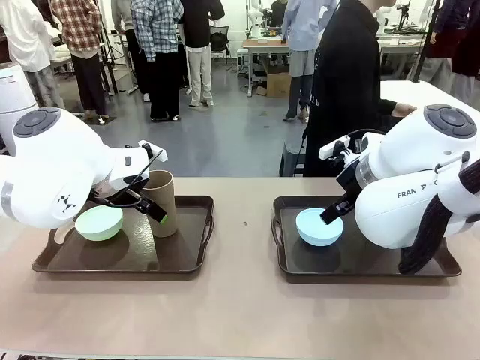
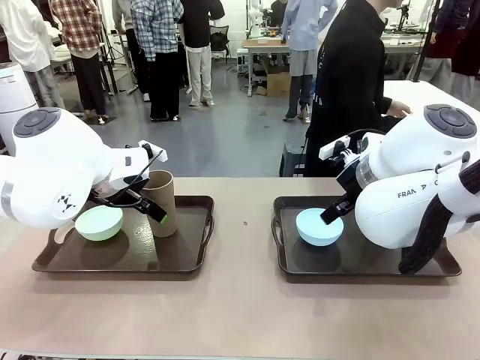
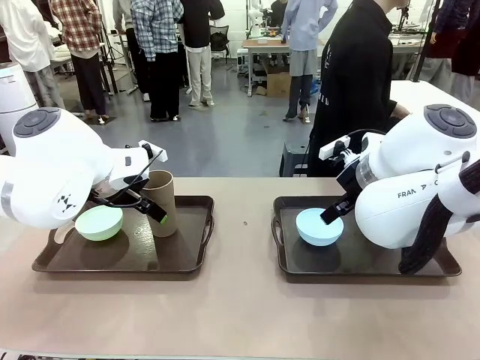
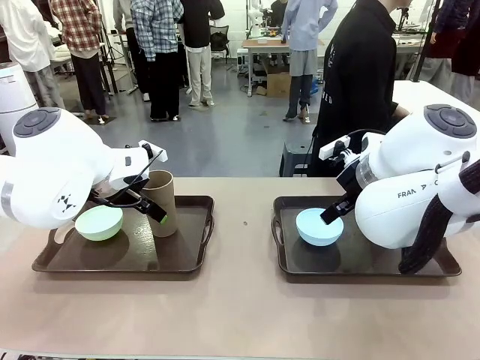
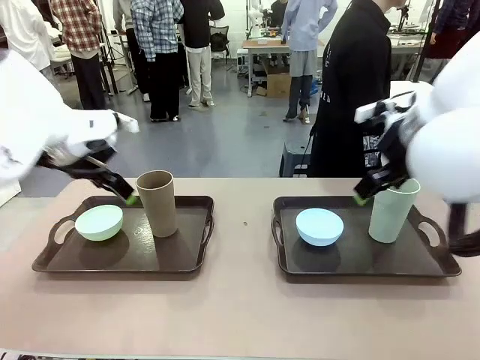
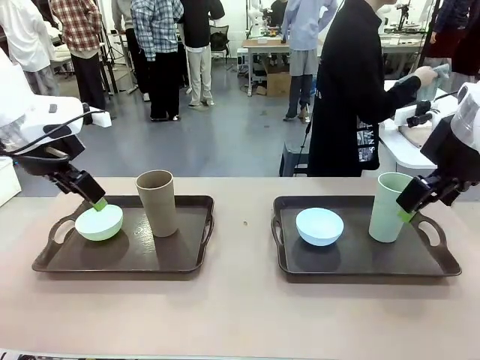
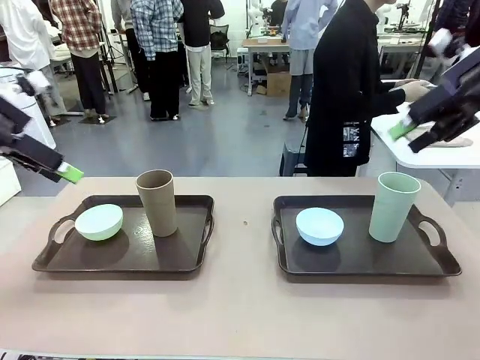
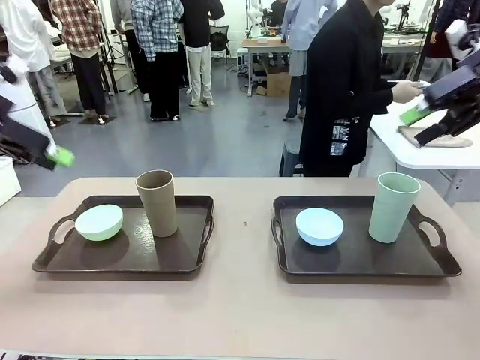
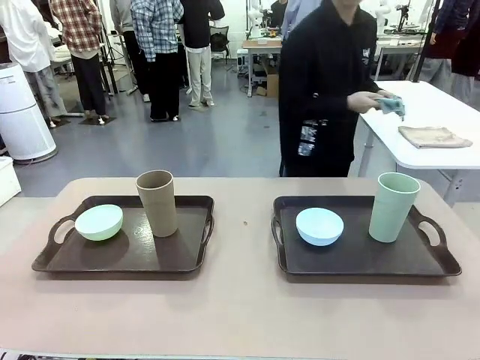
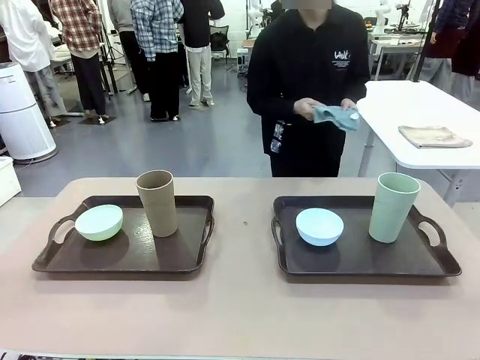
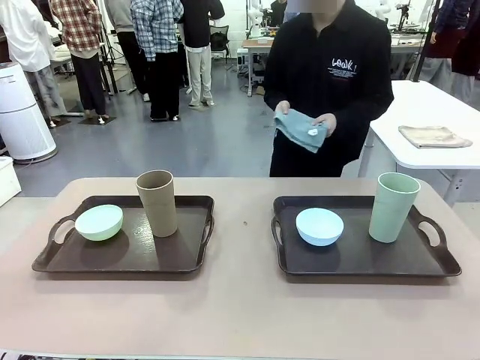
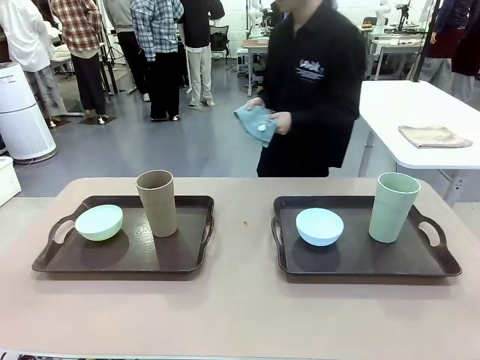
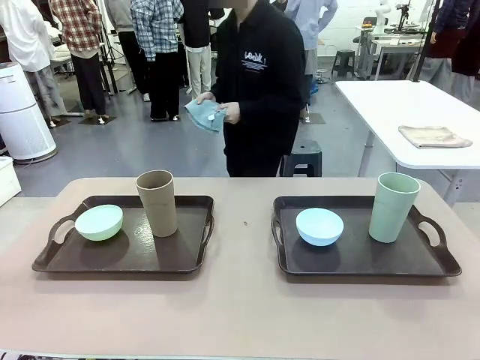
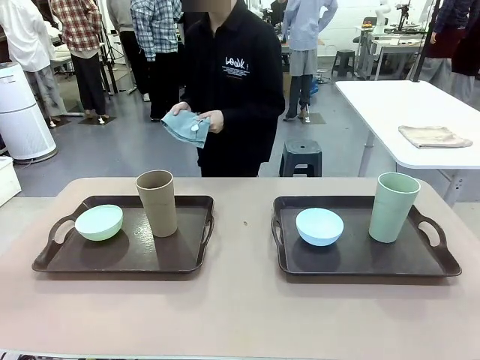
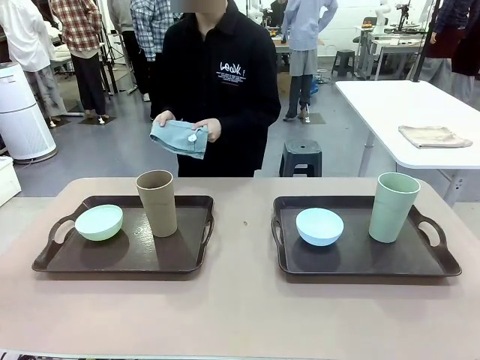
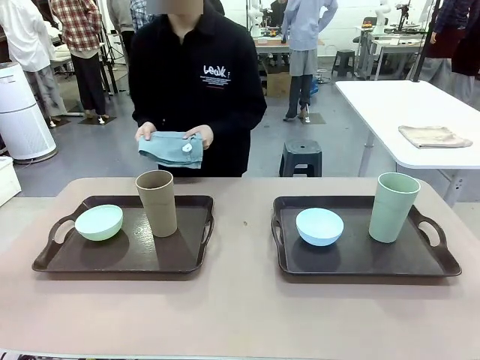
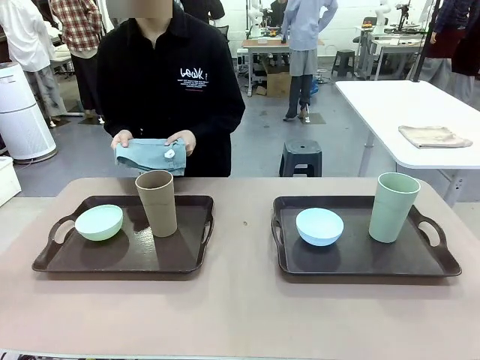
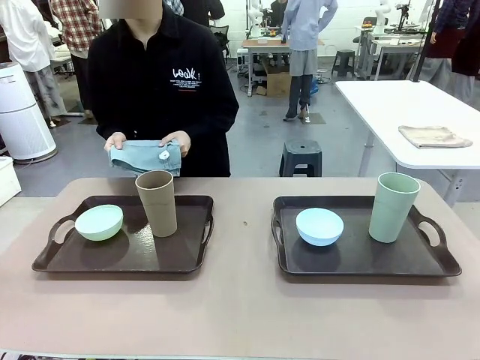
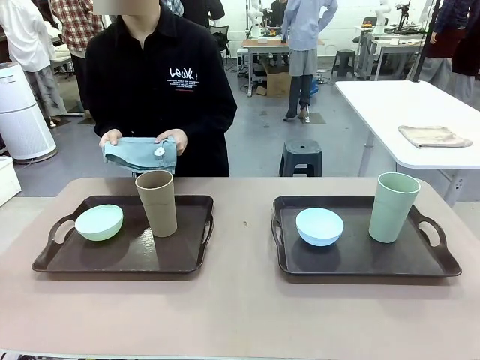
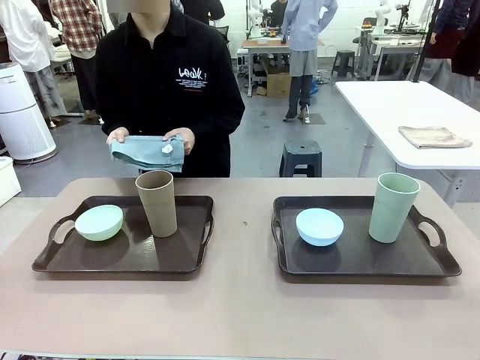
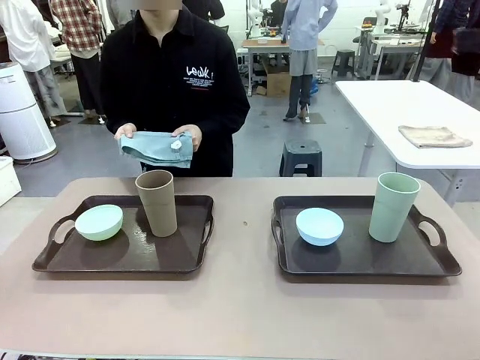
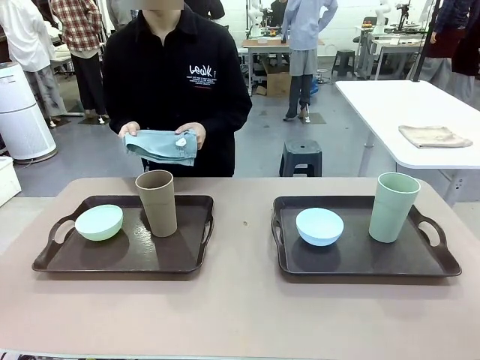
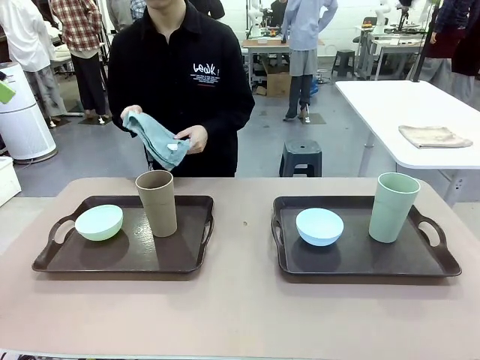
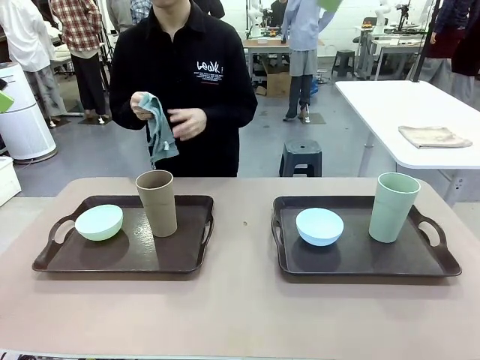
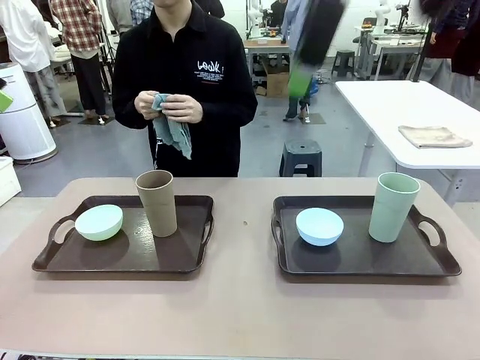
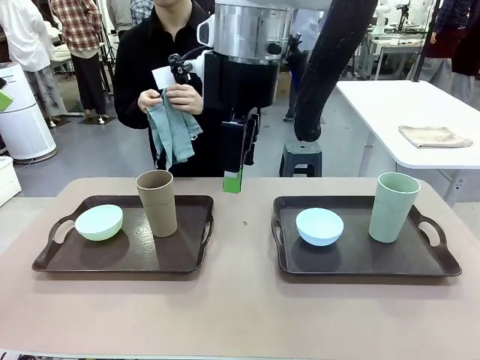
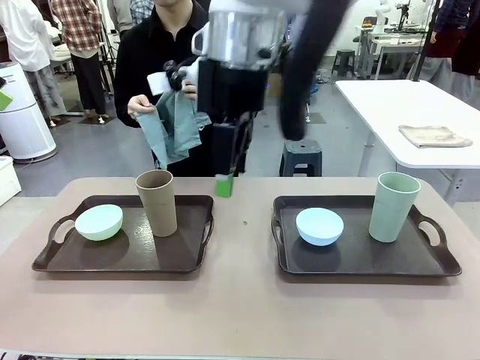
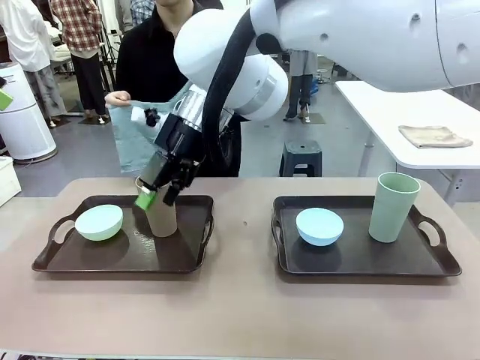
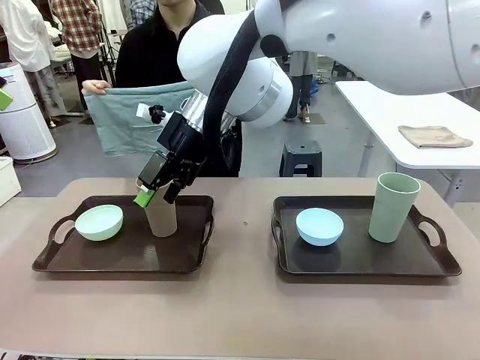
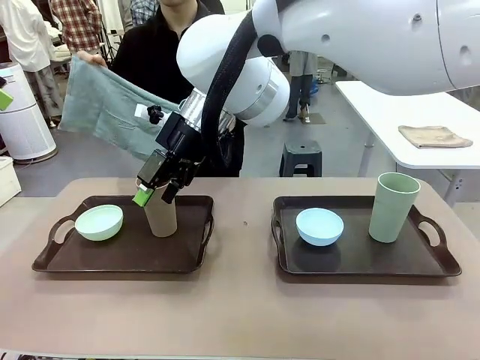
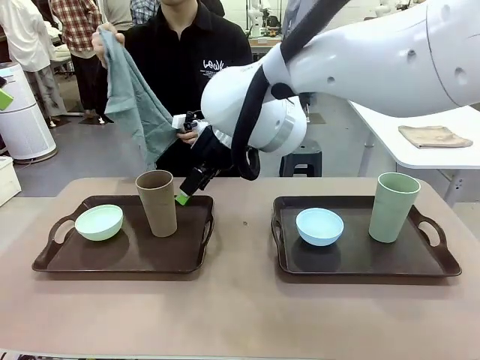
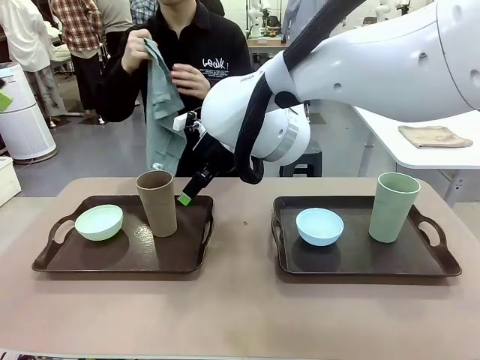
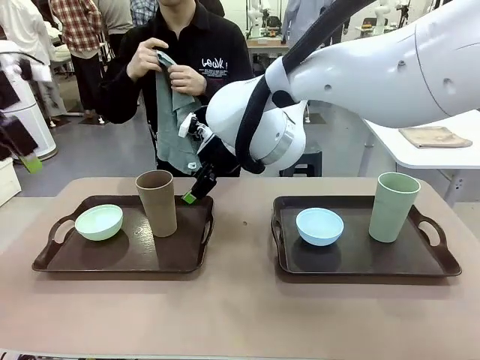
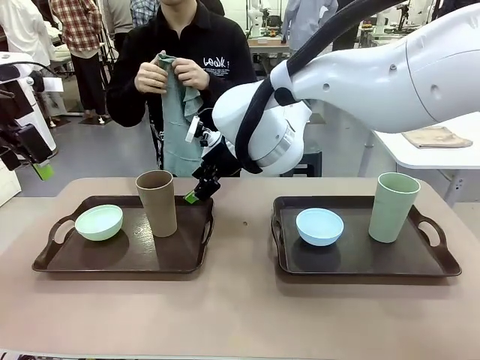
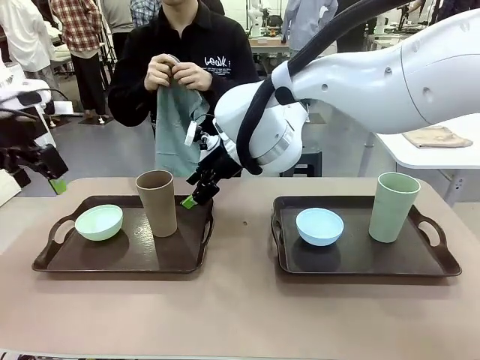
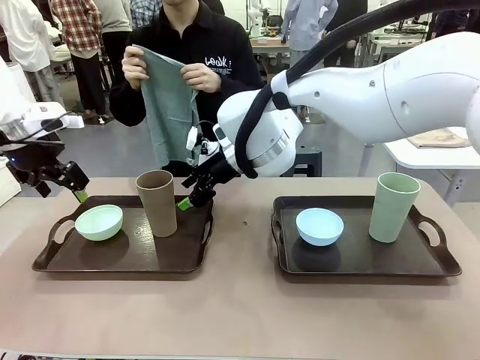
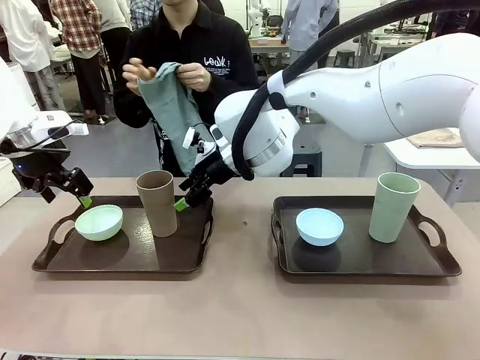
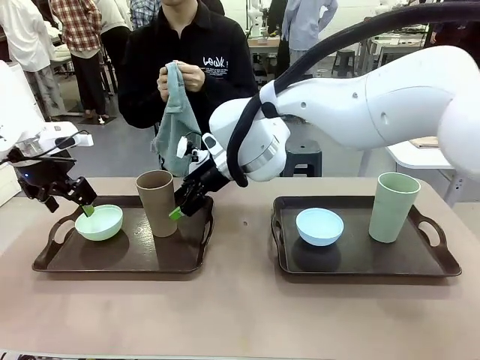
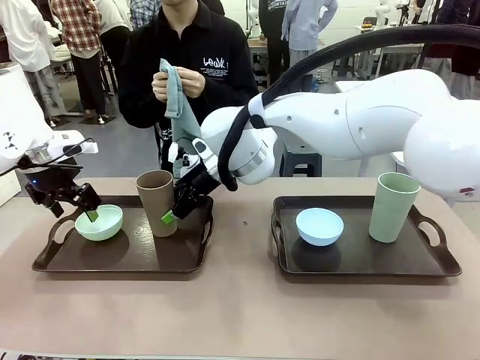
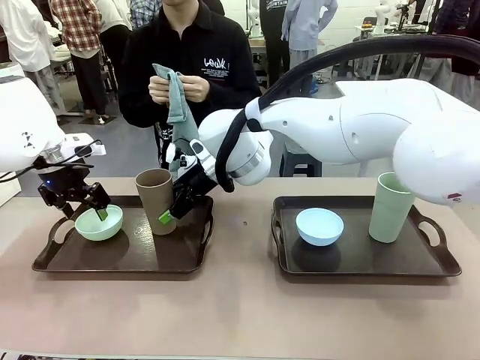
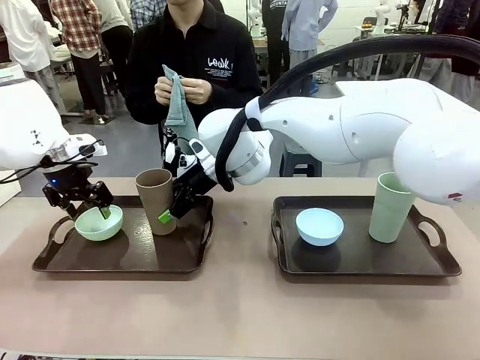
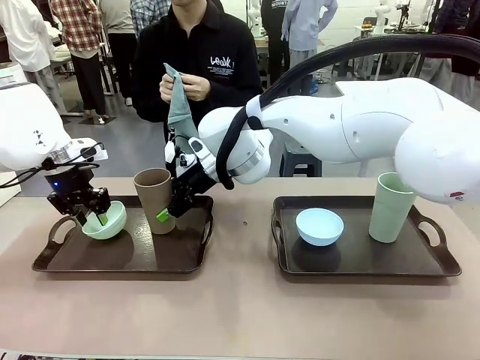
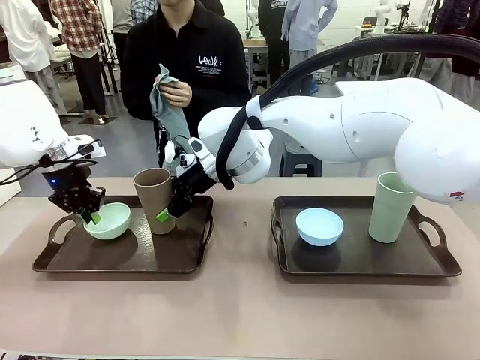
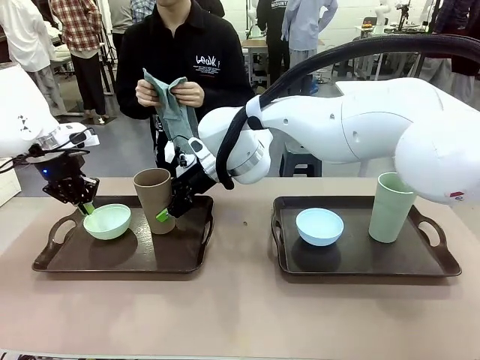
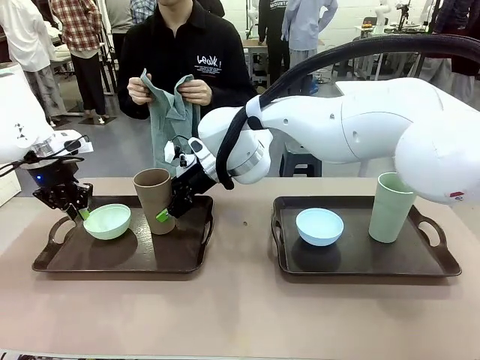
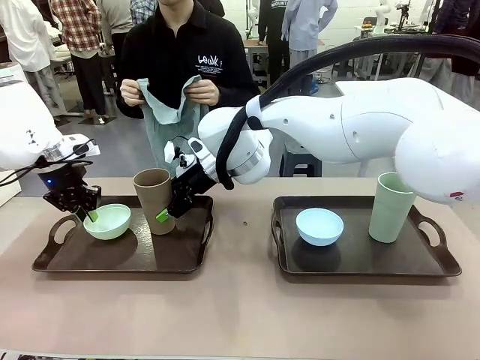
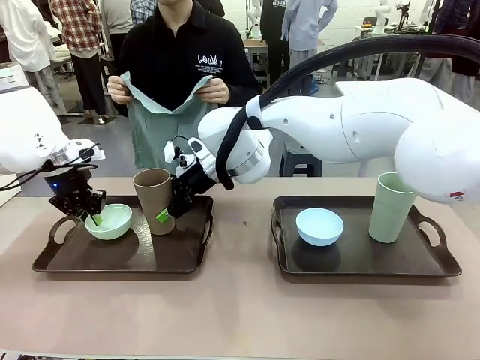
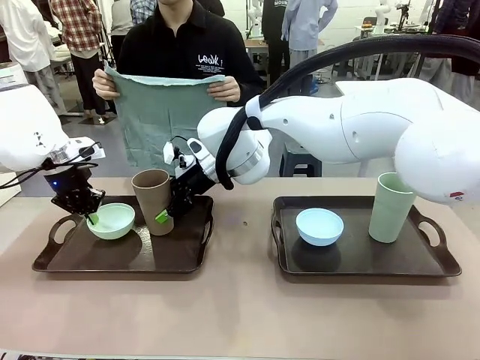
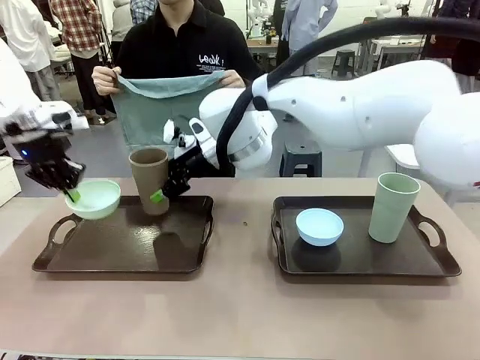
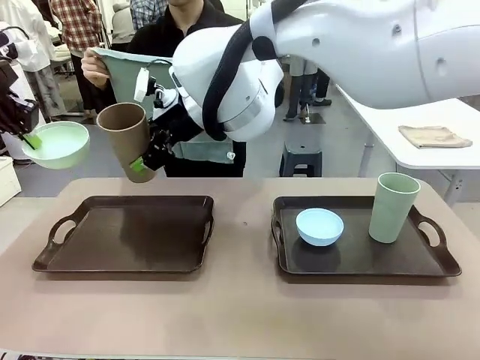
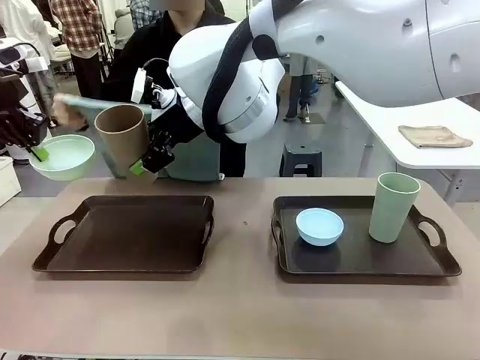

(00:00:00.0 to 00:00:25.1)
Robot: Pick up the Picnic Bowl and Reusable plastic cup from the Handle tray in front of the human's position and hold them in the air.
Person: The human picks up the top napkin from the stack on the human table and walks to the robot table to stand in front of one of the two trays. When the robot lifts the bowl and the cup, the human unfolds the napkin and lays the napkin flat on the tray.
